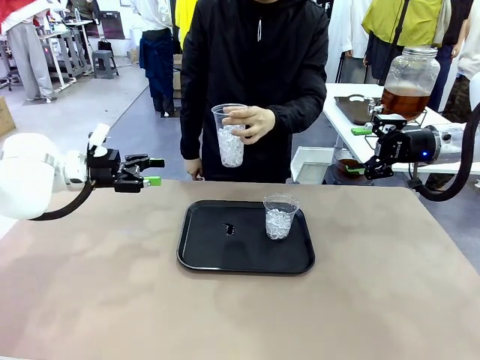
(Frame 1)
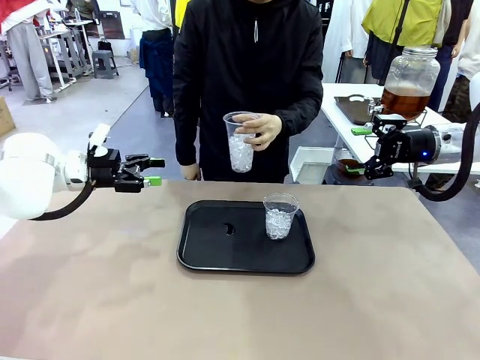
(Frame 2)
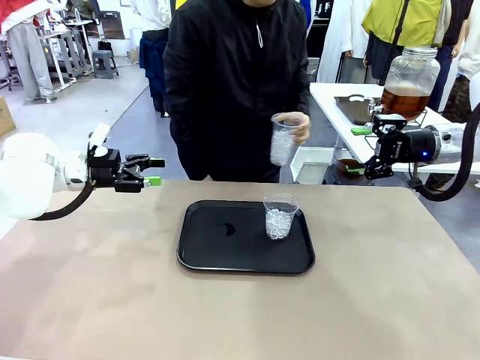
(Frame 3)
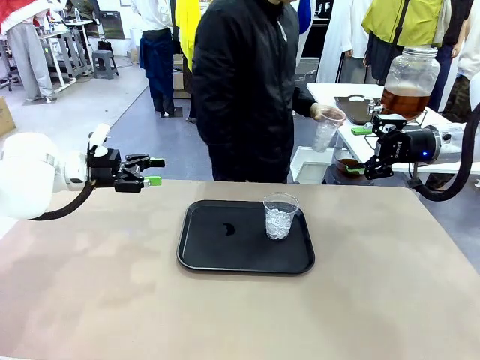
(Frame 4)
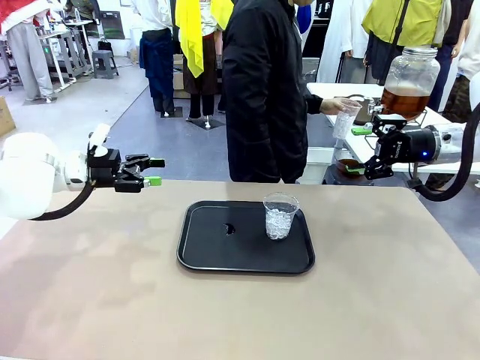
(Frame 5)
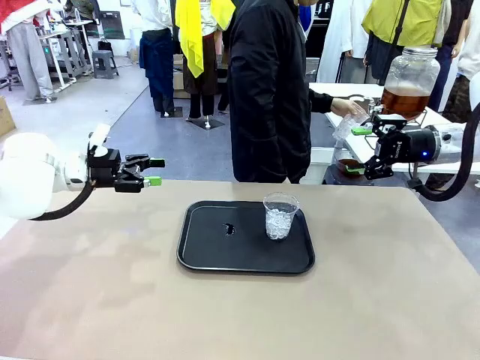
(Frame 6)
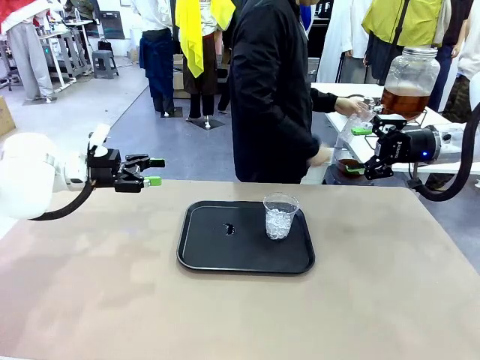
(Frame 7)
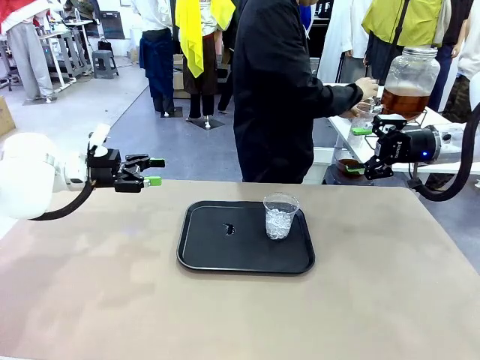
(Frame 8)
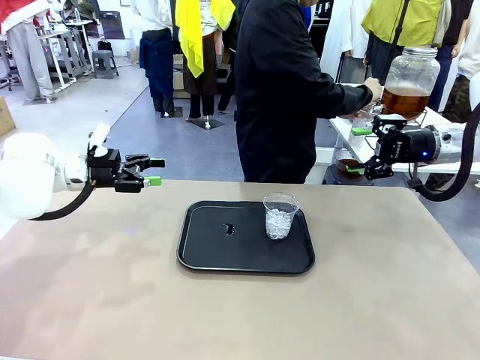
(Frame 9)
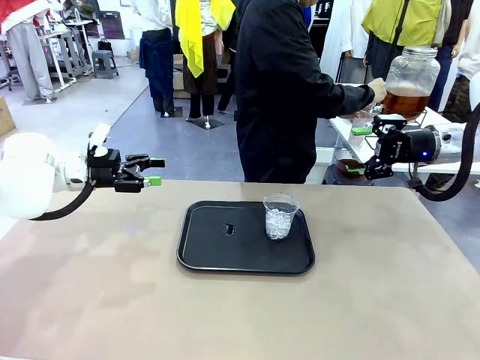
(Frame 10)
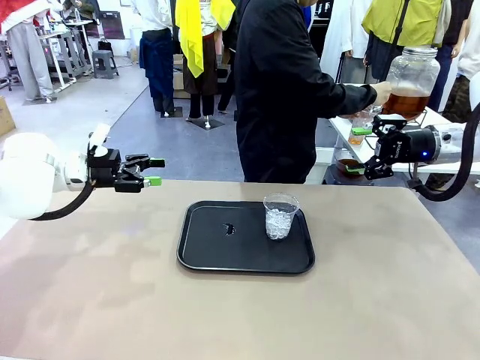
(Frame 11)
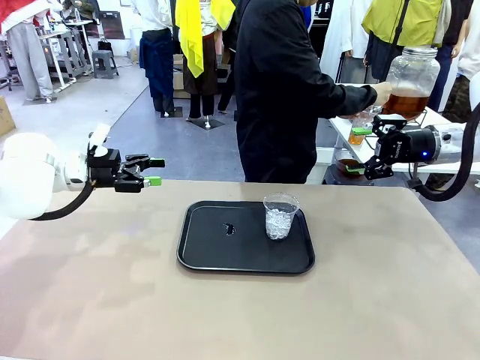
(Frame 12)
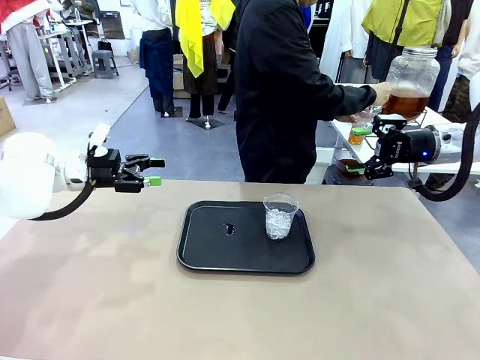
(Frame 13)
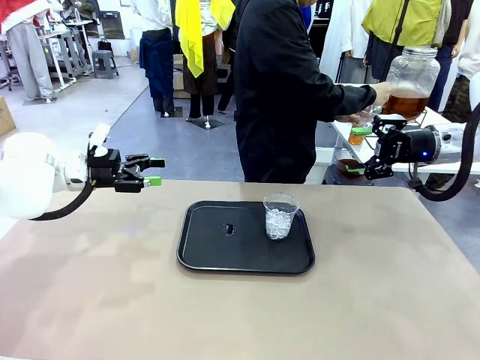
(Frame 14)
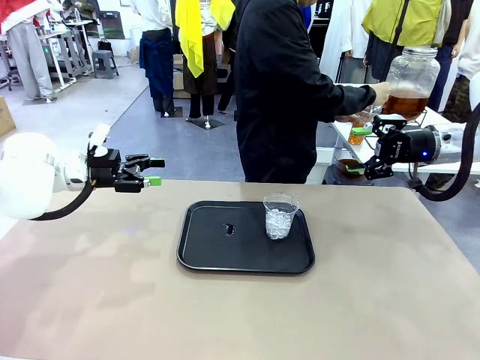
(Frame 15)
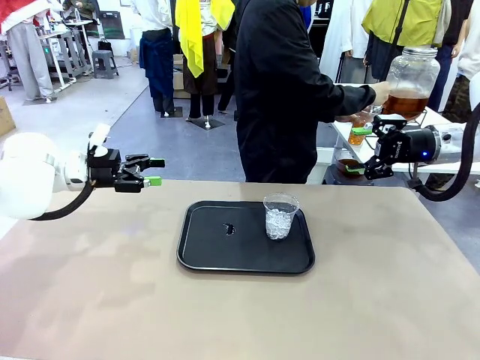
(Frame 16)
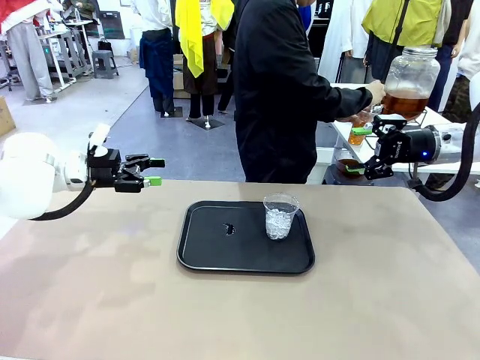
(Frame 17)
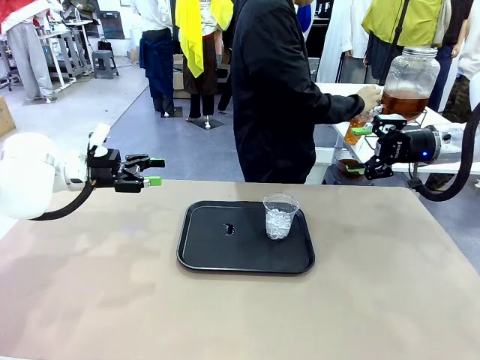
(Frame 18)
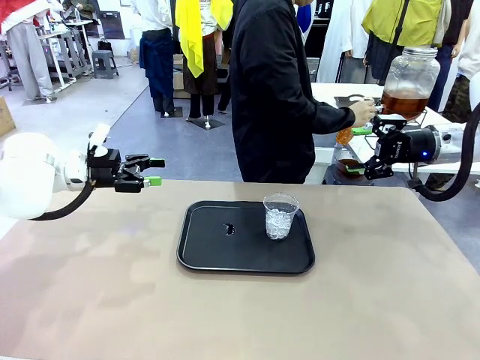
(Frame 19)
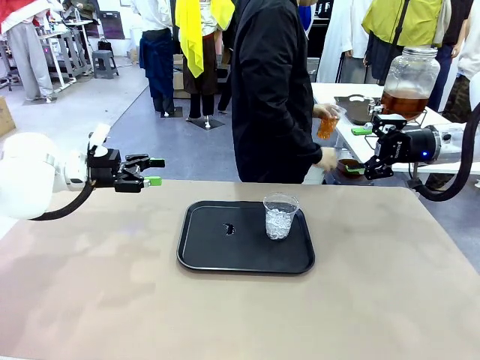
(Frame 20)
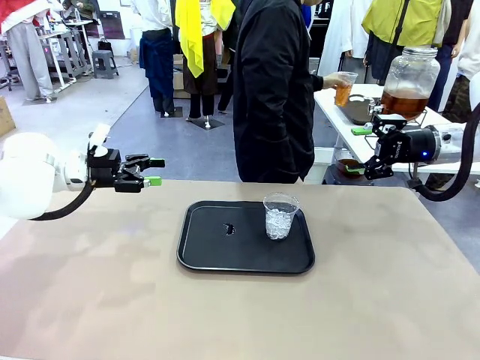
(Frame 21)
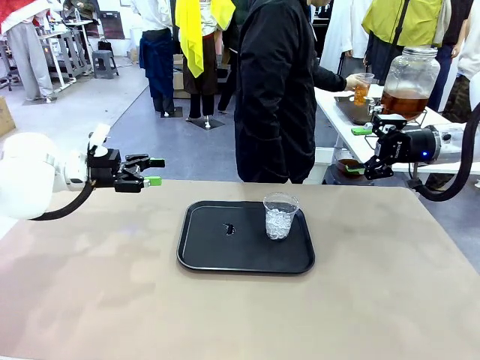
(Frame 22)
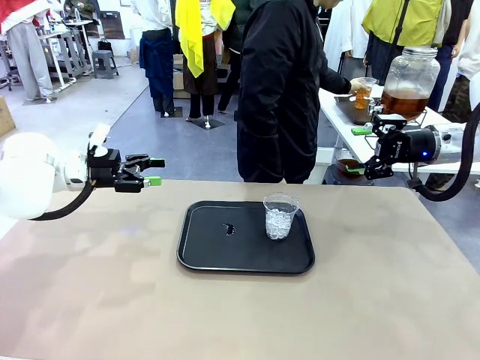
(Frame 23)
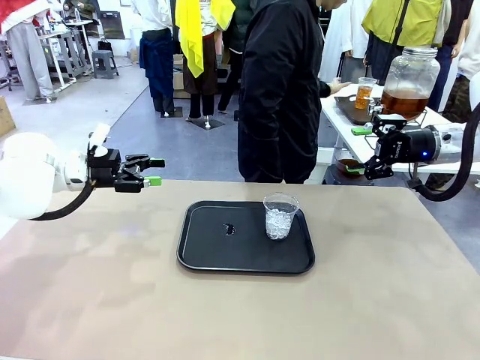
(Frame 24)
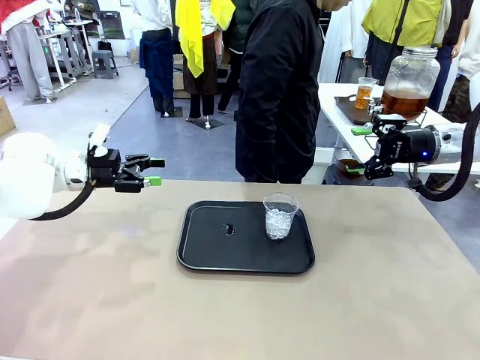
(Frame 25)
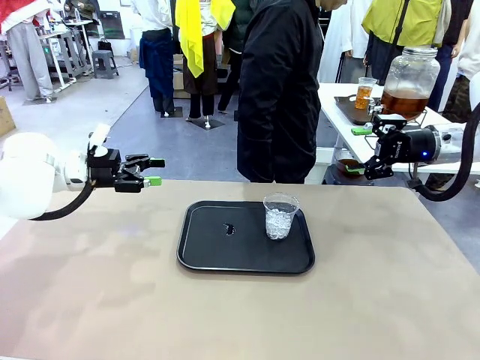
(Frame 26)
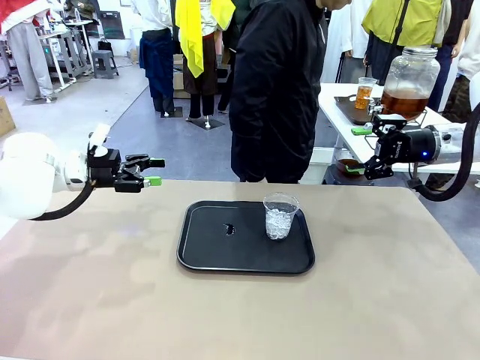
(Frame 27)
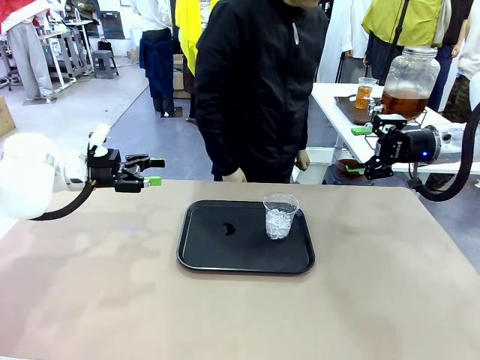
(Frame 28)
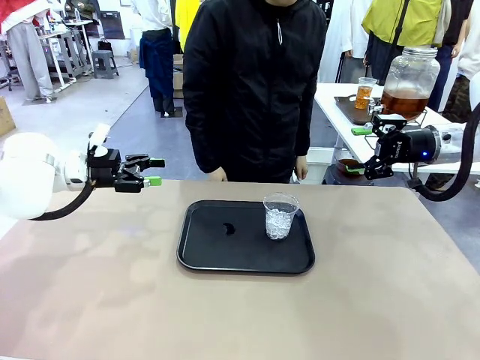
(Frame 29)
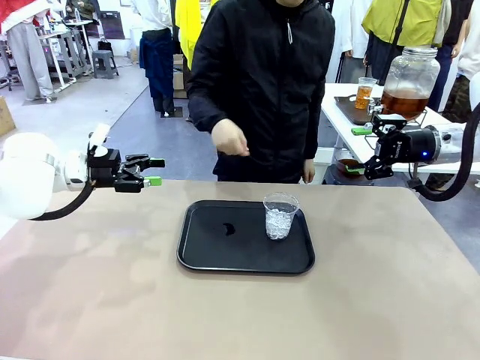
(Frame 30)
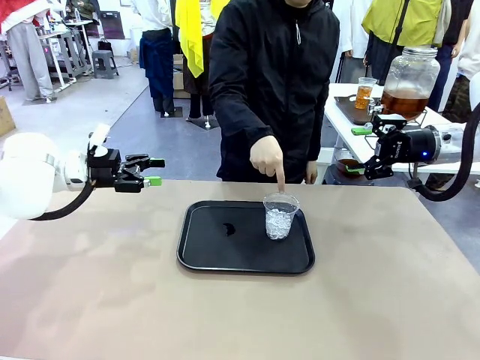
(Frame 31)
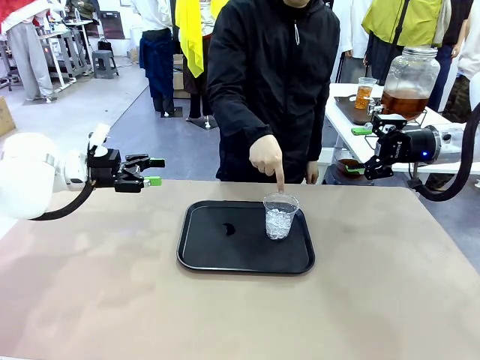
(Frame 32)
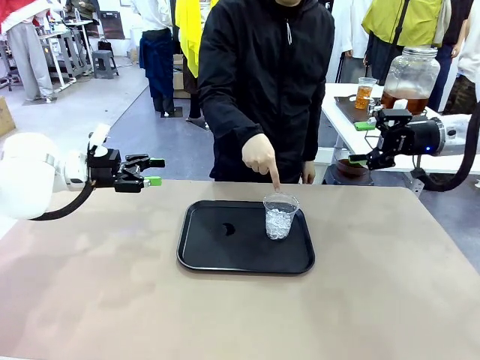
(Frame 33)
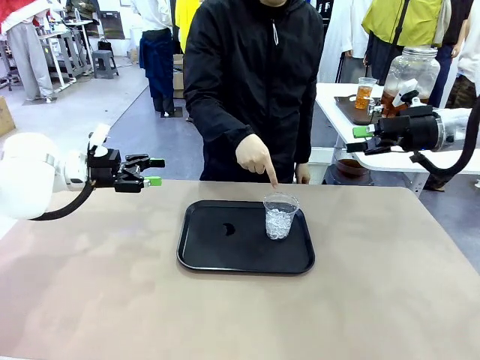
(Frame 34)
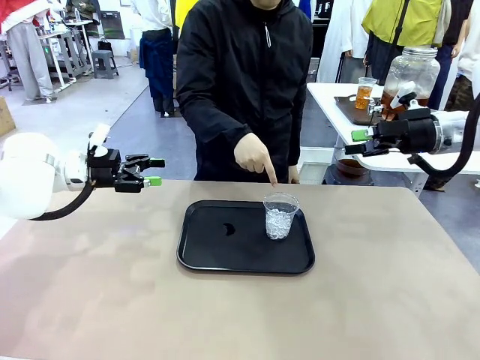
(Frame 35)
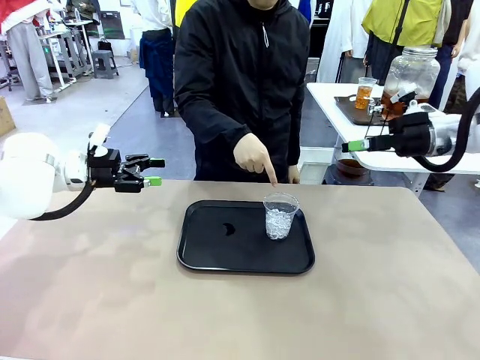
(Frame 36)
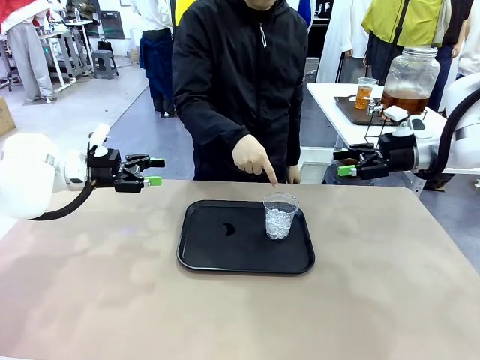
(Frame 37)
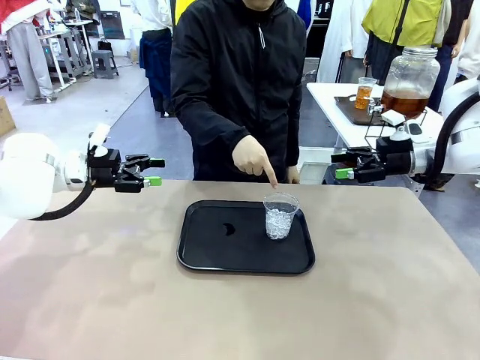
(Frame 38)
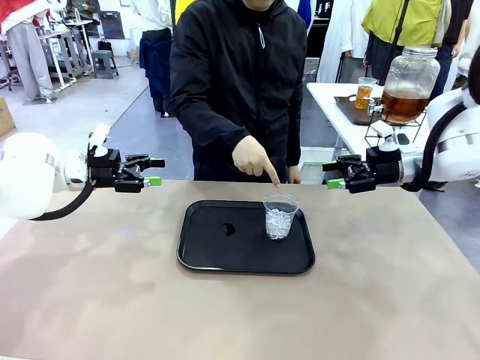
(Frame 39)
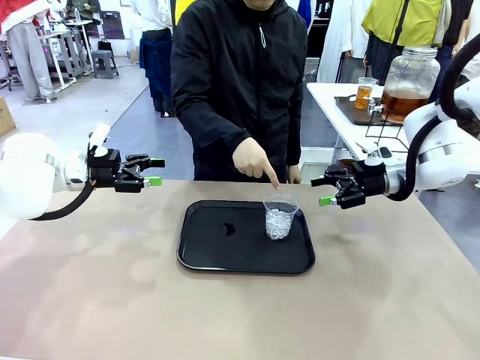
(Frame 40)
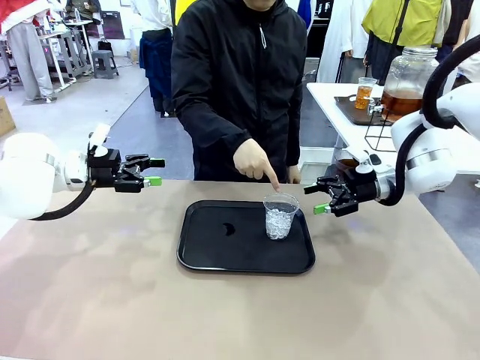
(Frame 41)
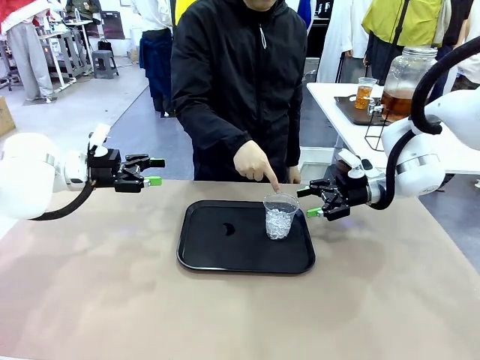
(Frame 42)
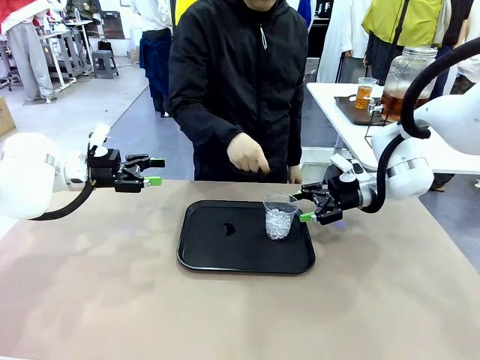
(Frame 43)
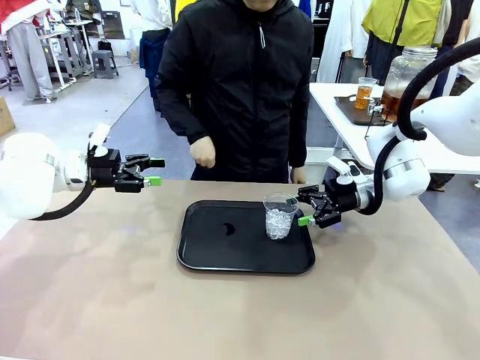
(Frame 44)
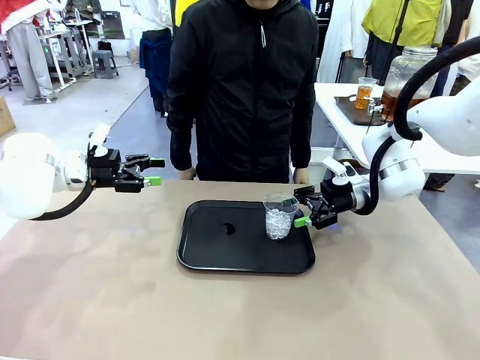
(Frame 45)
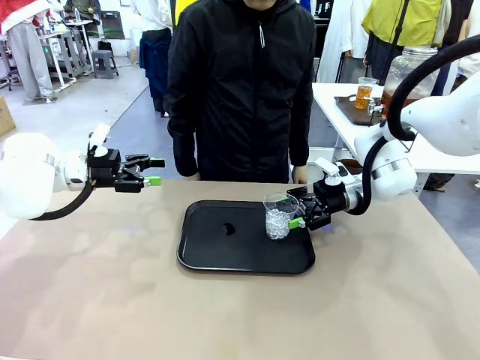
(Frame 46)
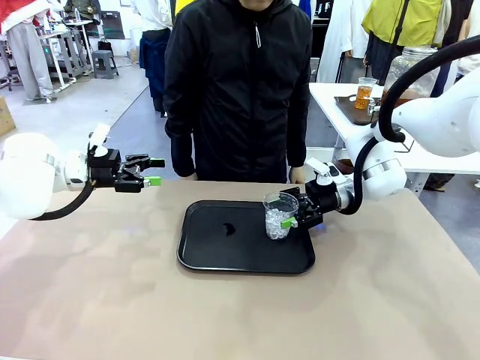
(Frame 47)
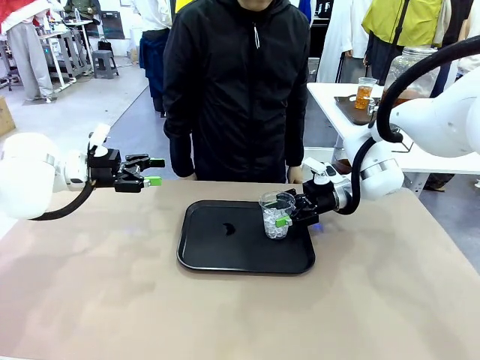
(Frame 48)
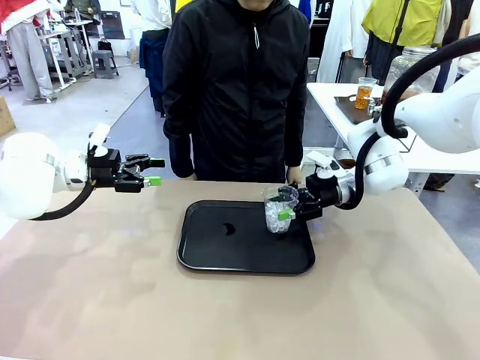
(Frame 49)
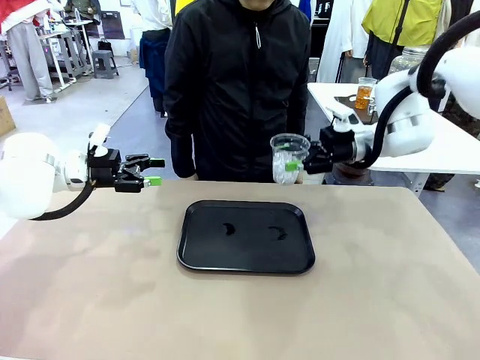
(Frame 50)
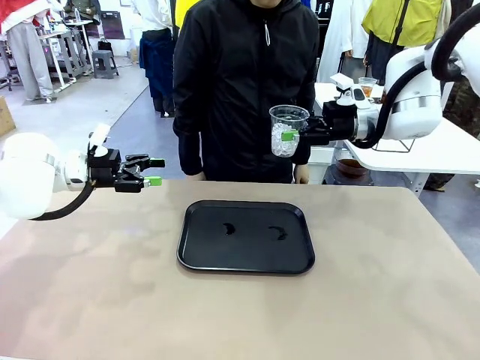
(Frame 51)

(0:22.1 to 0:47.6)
Task: Pour the drink into the iced cup.
Robot: Pick up the iced cup indicated by the human and present it to them.
Person: Move the picked-up cup under the dispenser faucet, pour the drink, and place it on the tray on the human table. Point to the remaining ice cup on the robot table. Pick up the cup offered by the robot.
